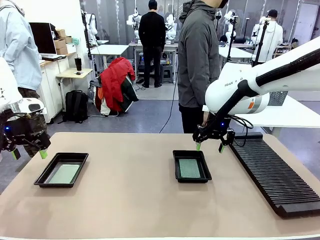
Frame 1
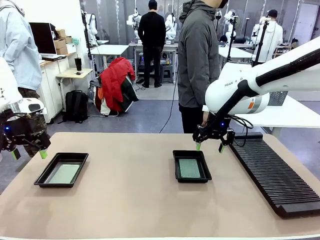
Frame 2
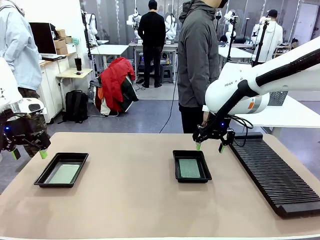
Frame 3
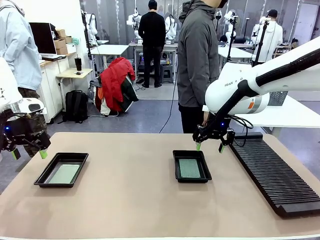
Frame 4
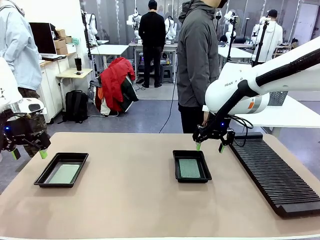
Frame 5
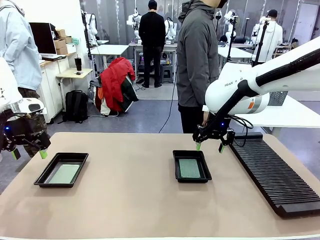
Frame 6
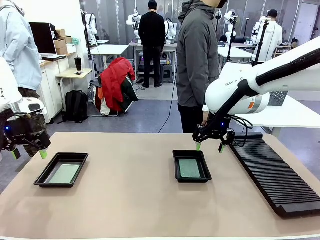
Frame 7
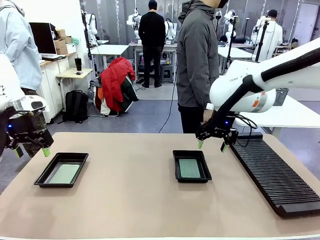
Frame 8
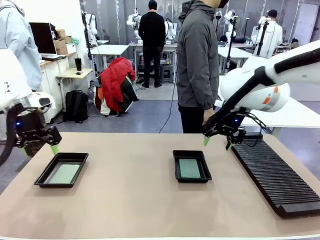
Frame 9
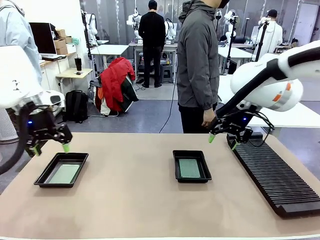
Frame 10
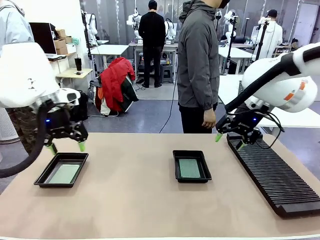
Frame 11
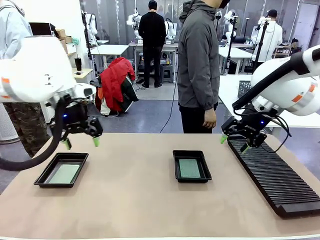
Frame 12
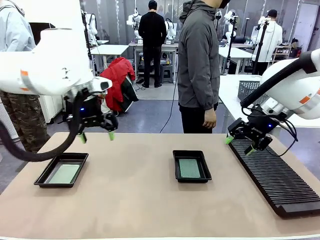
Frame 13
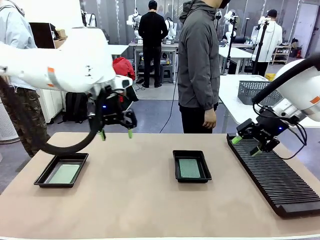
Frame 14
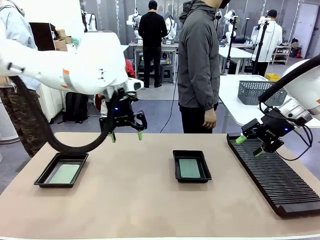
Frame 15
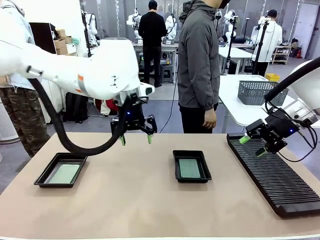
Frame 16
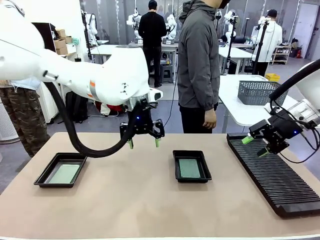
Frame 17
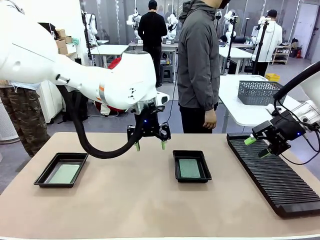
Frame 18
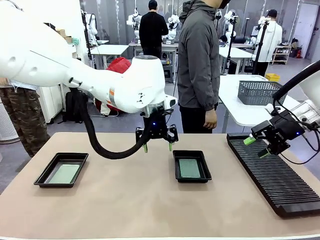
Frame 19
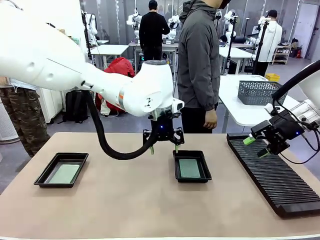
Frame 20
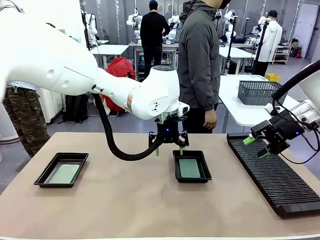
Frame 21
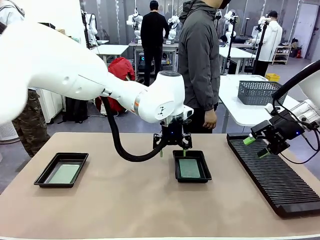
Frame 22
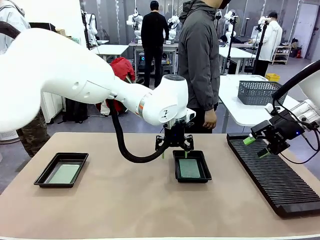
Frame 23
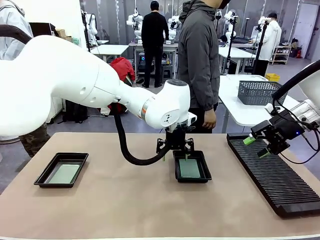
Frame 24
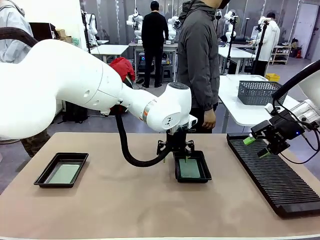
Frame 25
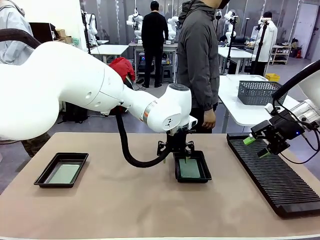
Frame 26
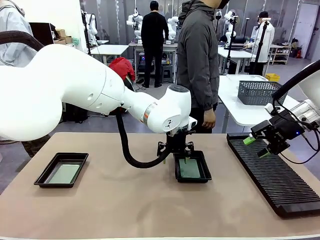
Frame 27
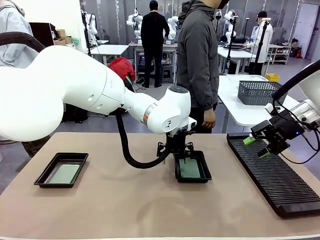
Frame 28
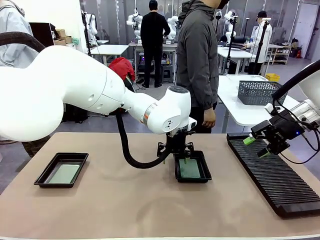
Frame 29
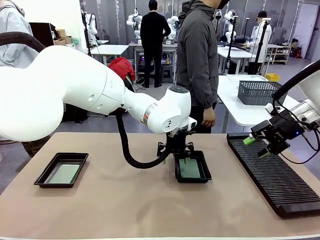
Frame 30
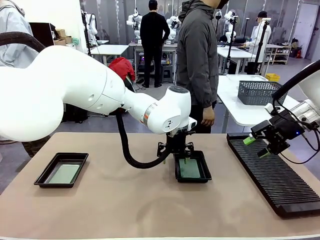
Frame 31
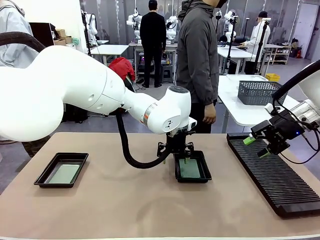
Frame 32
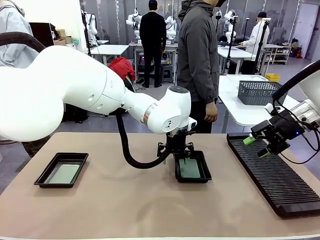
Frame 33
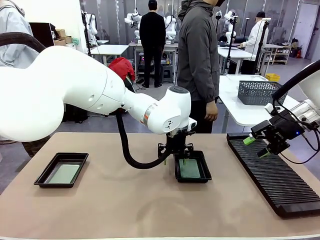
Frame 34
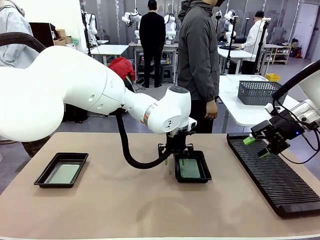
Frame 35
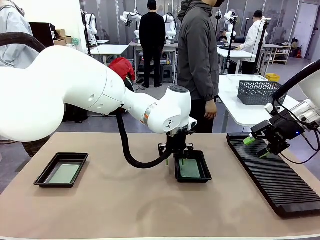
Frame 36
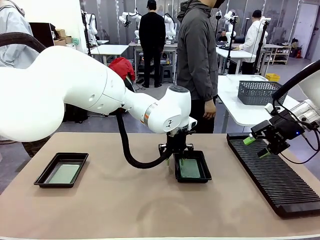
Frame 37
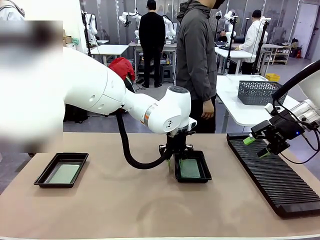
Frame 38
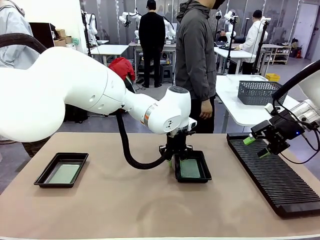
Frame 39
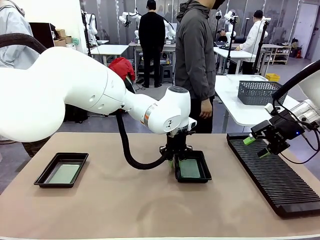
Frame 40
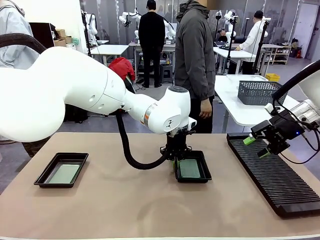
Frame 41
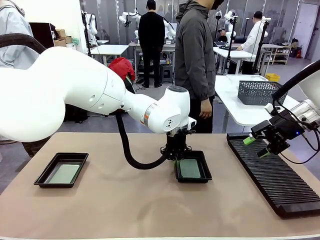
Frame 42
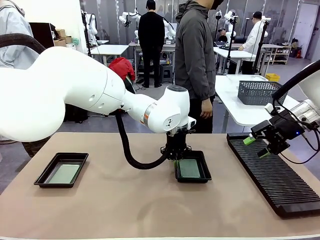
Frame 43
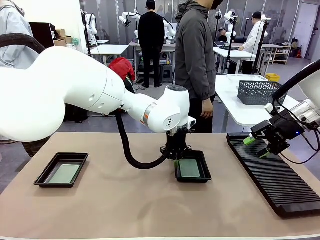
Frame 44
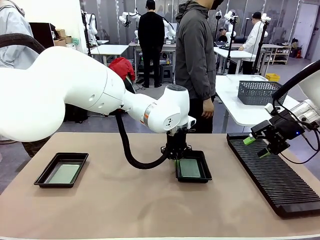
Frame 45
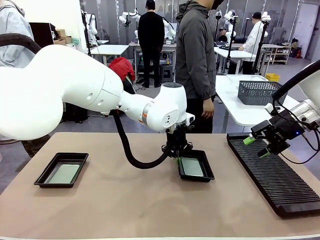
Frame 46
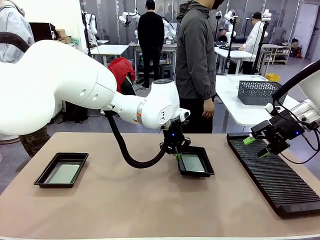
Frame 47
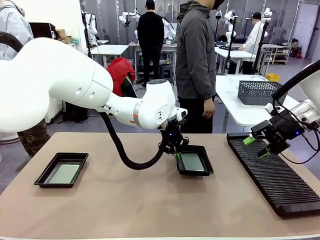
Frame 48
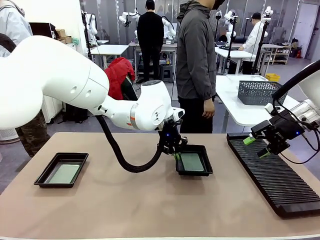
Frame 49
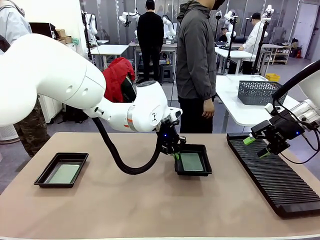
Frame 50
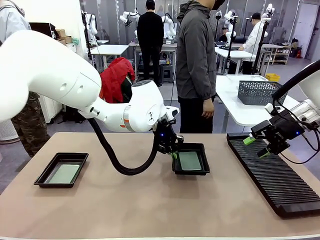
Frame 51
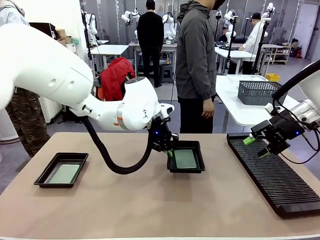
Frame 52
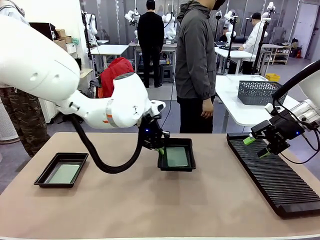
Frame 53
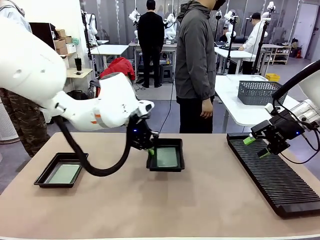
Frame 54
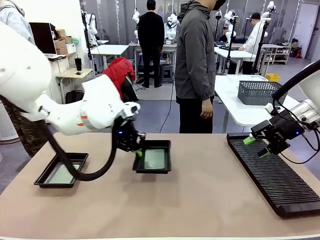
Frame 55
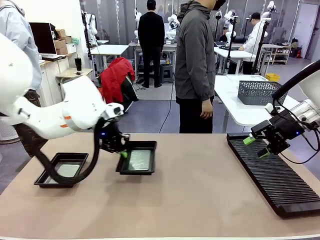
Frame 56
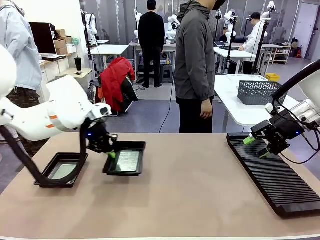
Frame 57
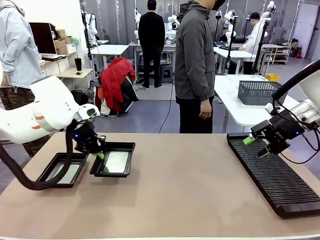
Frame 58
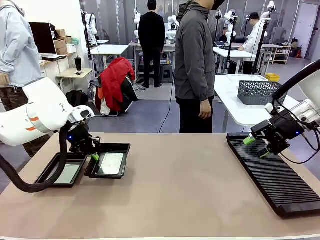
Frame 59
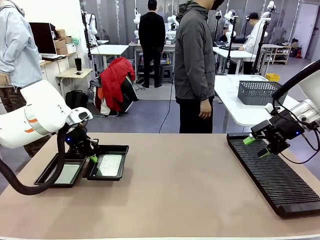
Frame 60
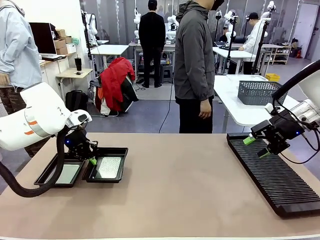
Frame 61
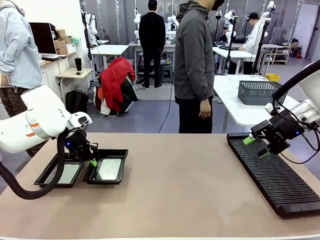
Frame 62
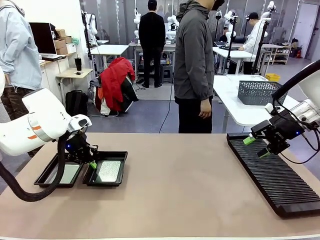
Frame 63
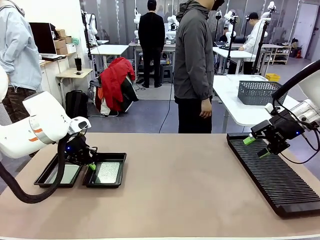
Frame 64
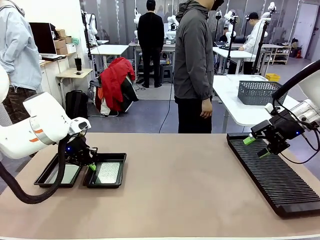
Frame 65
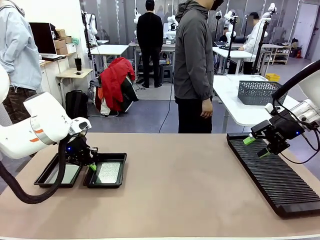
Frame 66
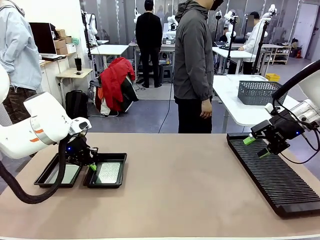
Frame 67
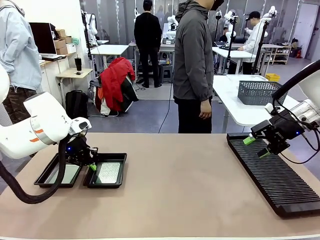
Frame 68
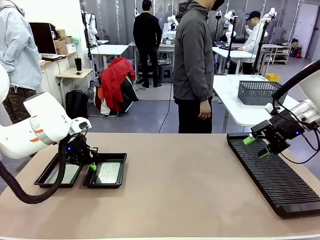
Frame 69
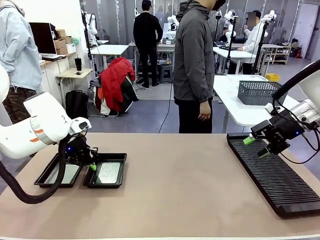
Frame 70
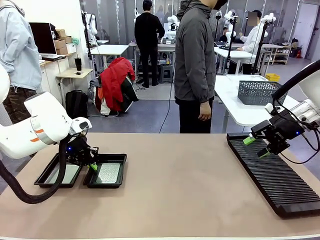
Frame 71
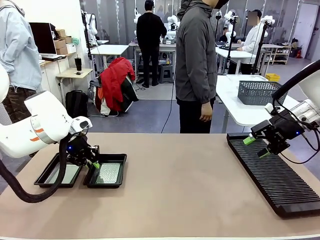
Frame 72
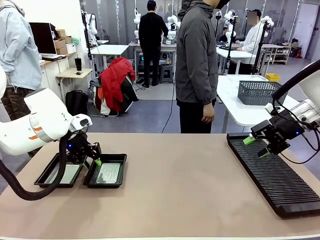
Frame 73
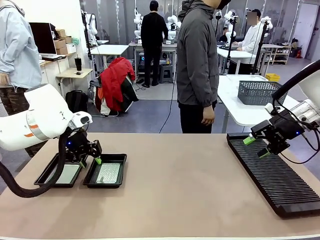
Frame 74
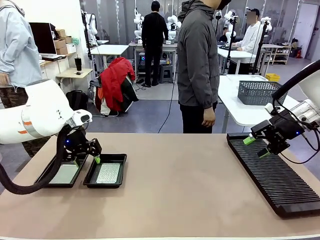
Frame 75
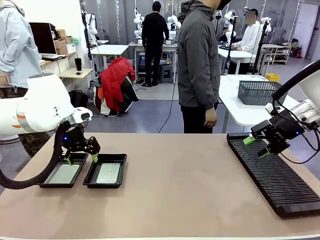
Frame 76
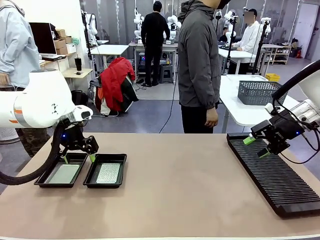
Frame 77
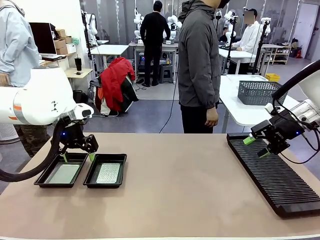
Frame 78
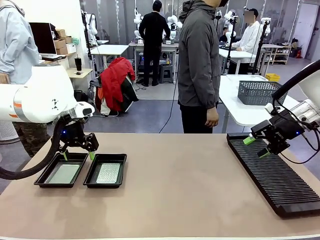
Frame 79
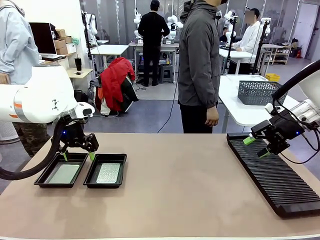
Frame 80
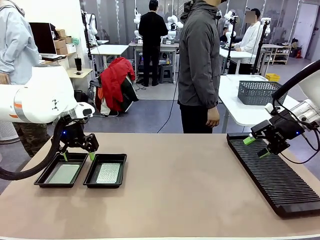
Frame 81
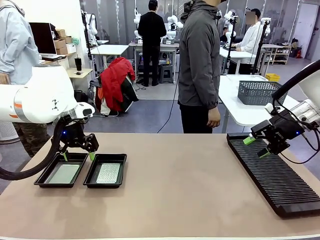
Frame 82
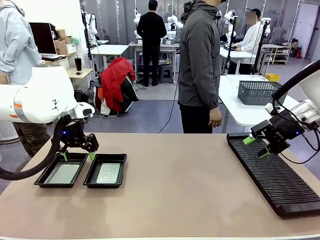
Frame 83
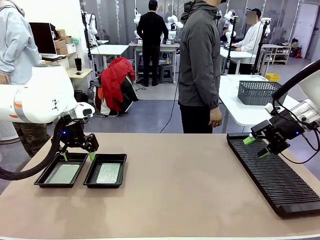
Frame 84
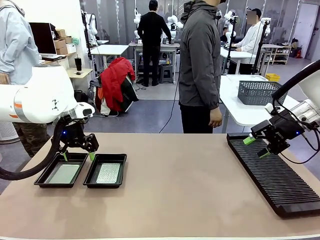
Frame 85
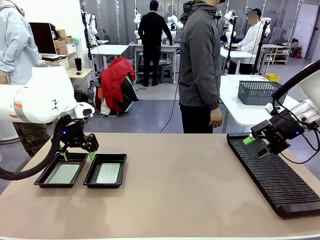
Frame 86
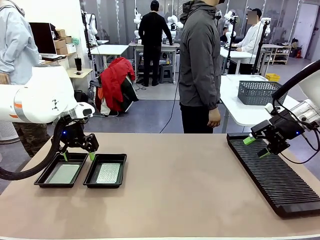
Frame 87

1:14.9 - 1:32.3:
Task: Inspect and transfer BCBs to ESD trays.
Robot: Pick up the ESD tray and place it on the left side of the table.
